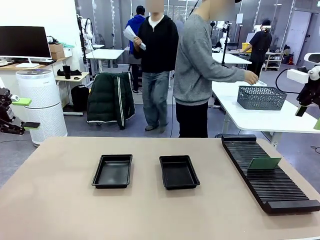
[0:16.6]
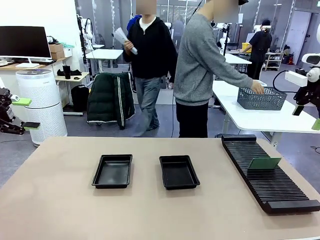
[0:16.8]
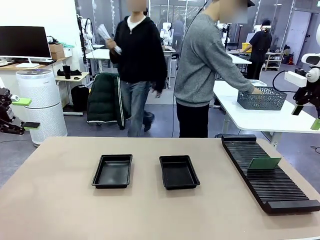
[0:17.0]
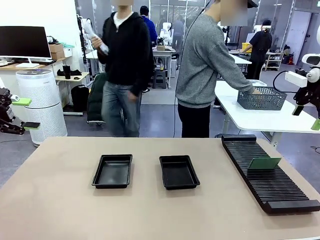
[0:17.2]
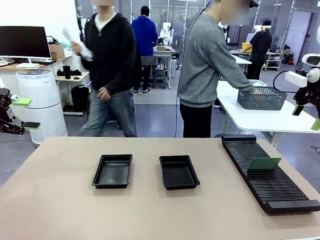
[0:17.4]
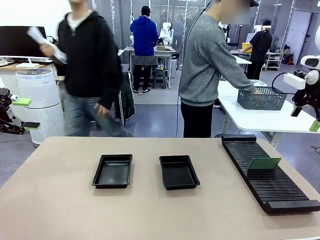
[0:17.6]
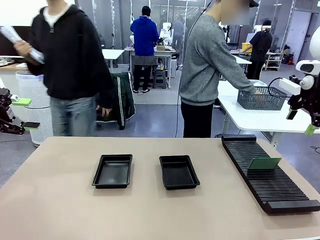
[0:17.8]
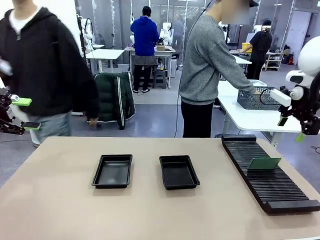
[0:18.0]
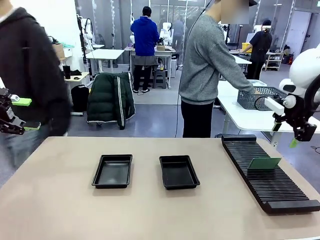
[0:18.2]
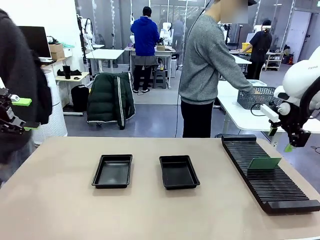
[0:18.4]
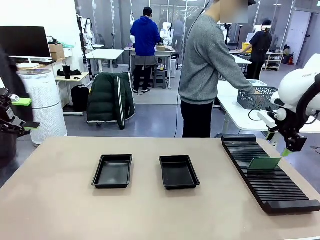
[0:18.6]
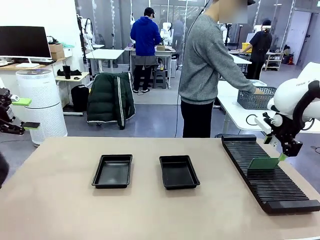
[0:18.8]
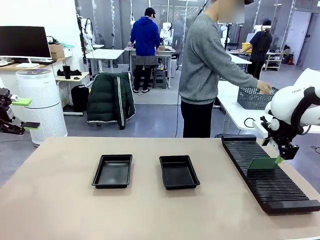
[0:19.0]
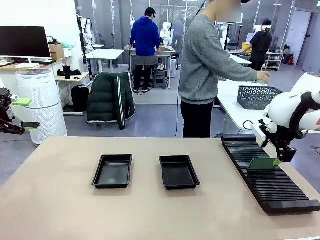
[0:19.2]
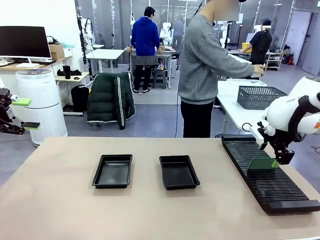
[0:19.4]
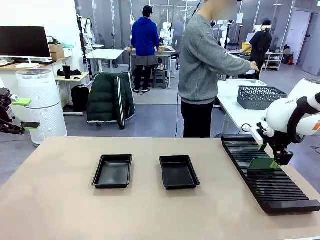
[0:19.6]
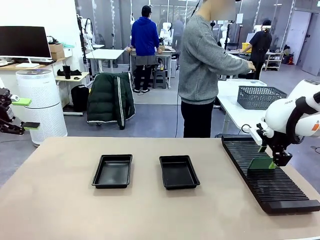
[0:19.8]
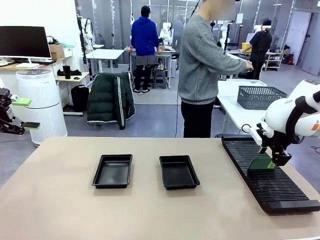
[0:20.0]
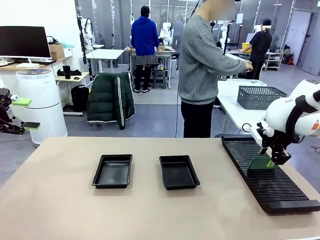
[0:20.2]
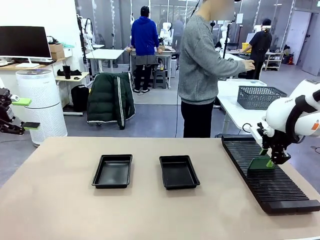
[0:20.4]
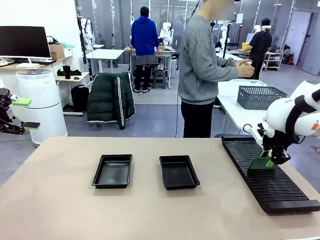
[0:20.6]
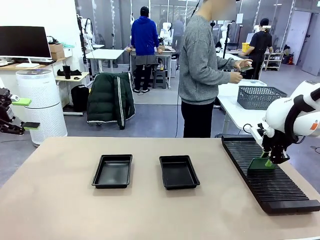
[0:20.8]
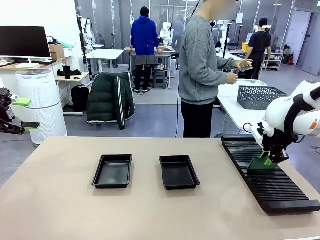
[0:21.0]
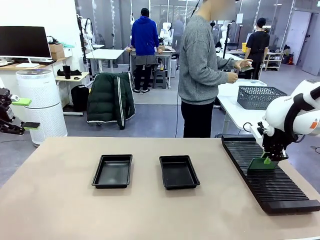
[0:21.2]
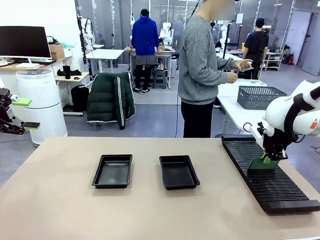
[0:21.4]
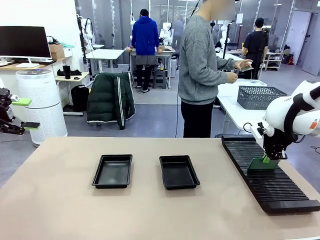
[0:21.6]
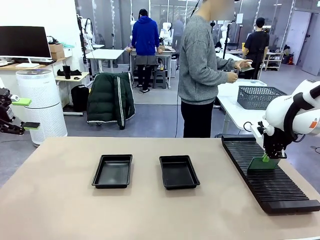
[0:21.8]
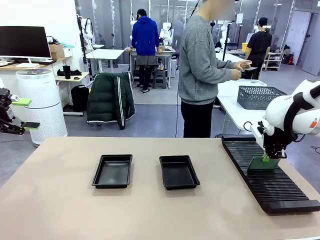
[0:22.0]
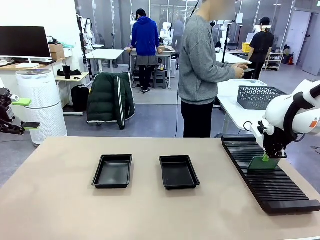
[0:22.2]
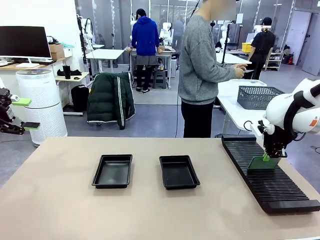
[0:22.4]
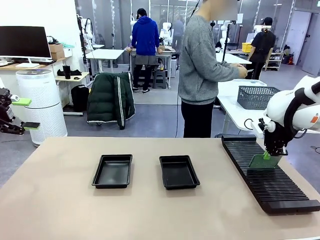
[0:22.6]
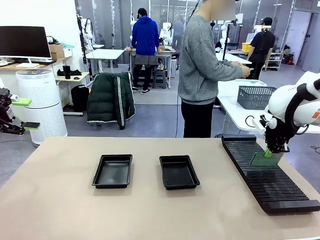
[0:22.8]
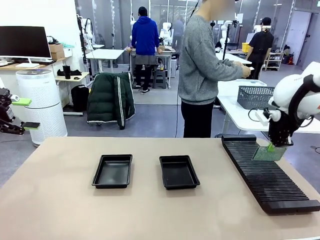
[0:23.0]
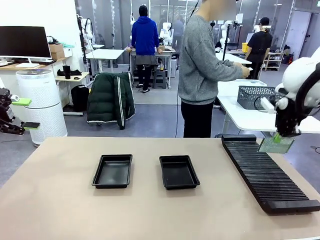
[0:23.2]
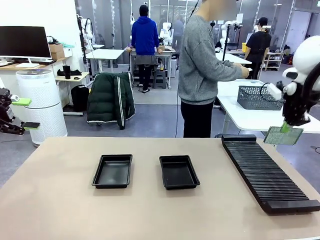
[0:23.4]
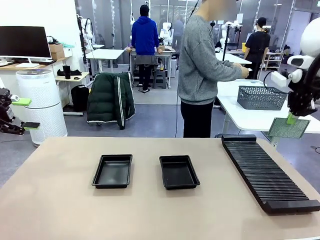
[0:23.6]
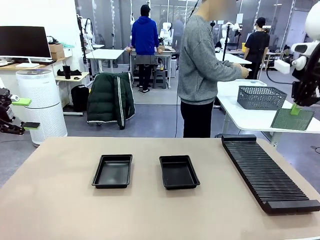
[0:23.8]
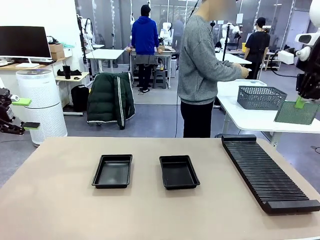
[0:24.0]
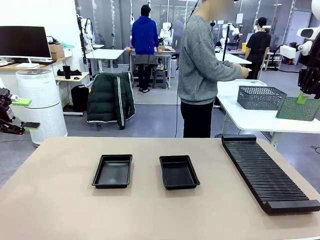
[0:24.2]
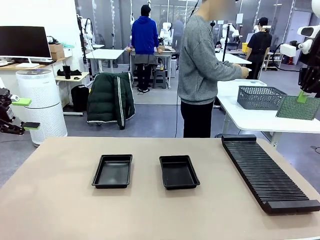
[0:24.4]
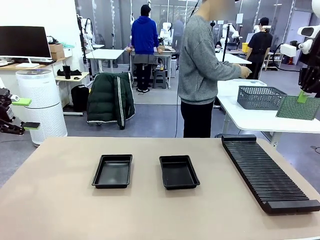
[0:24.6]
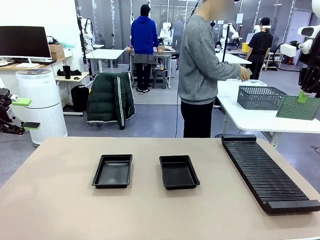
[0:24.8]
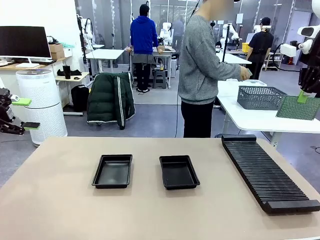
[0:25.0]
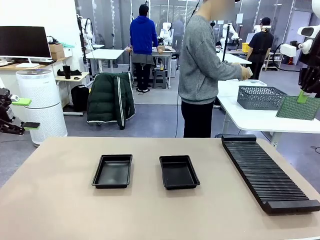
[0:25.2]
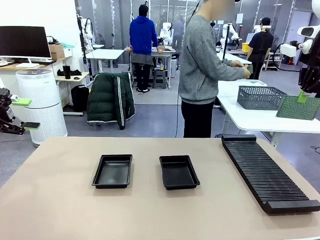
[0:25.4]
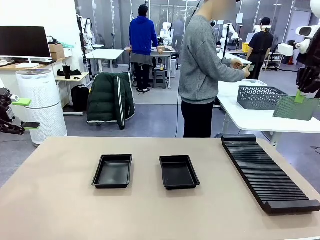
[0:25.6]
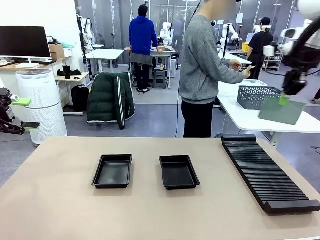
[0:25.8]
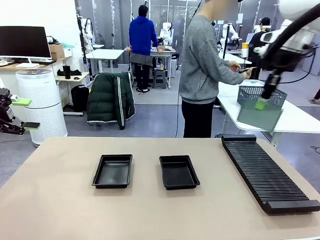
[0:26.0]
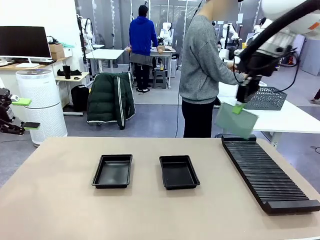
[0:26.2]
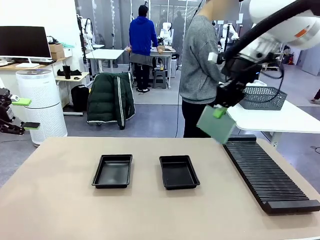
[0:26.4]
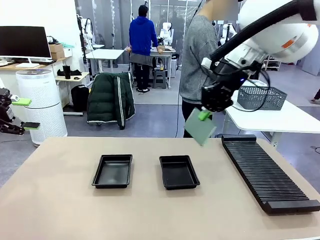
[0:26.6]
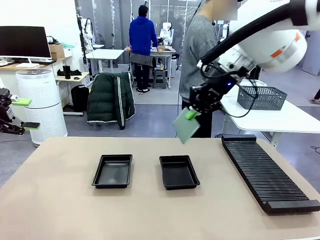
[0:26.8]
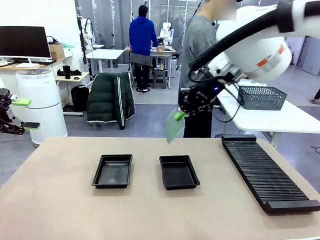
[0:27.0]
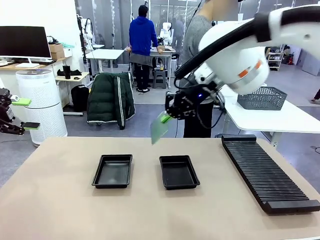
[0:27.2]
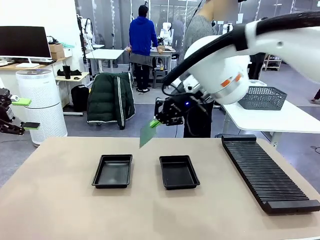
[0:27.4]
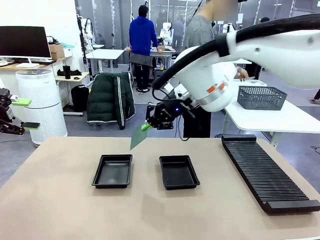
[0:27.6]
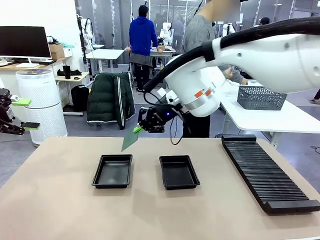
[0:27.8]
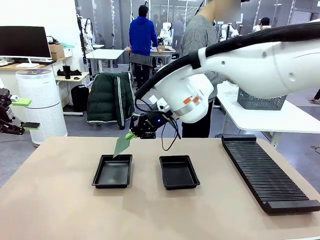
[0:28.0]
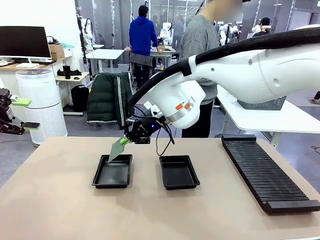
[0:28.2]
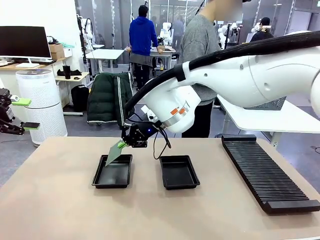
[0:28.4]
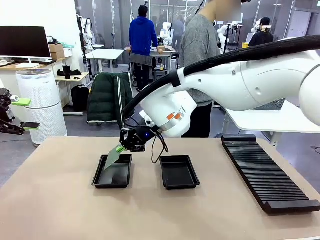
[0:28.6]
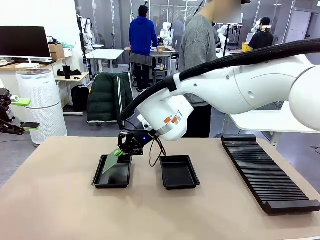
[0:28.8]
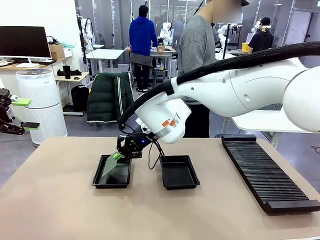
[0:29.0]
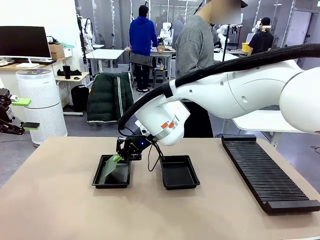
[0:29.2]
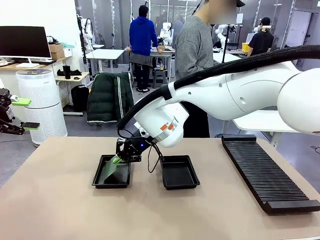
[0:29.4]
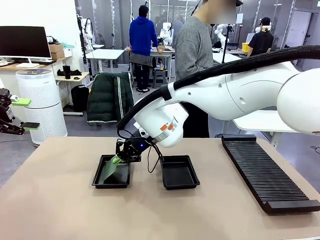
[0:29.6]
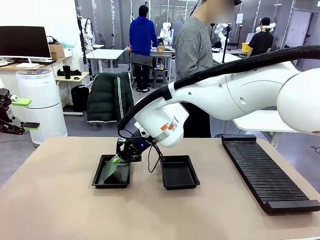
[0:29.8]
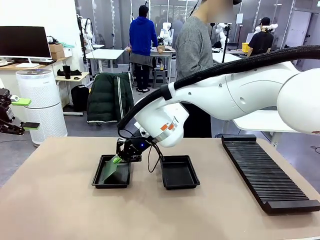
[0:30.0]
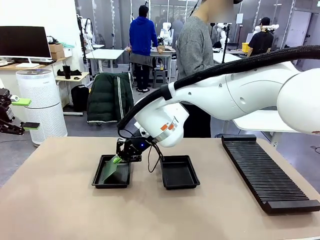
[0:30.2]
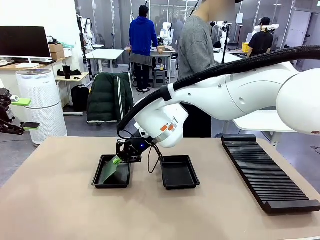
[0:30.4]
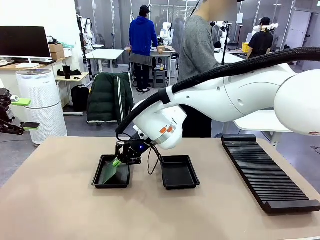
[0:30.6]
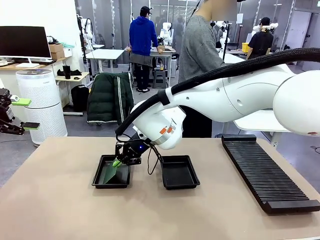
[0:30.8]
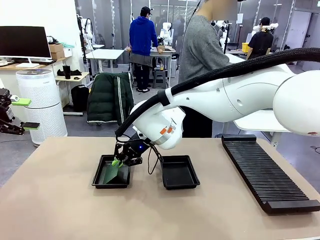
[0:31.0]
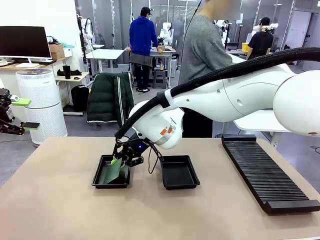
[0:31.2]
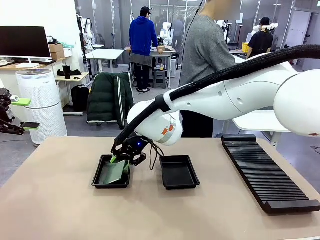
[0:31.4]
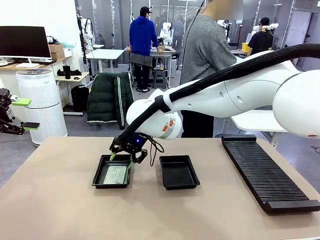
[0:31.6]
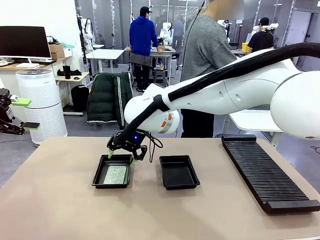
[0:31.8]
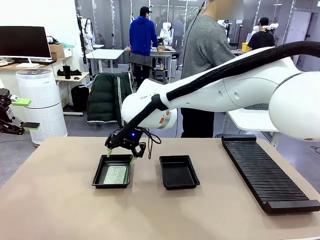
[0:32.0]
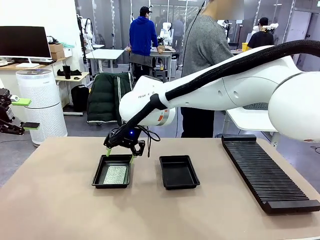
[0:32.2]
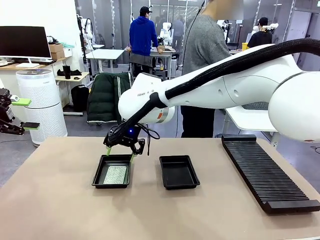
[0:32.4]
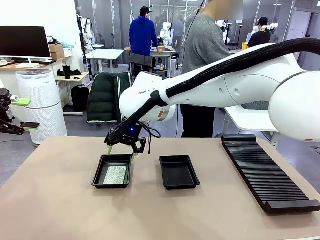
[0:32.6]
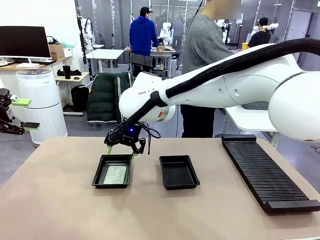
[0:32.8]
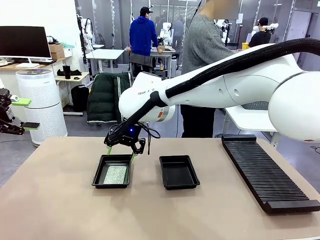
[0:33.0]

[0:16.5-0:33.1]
Task: Inspect and transfer BCBs to ESD trays.
Robot: Pick up the Blank PCB from the PCB Rack and place it in the left ESD tray.
